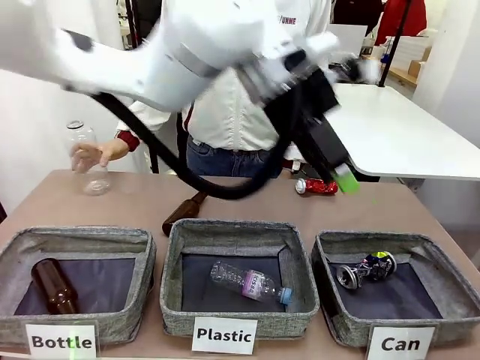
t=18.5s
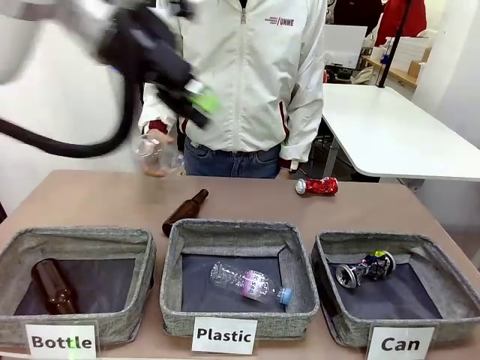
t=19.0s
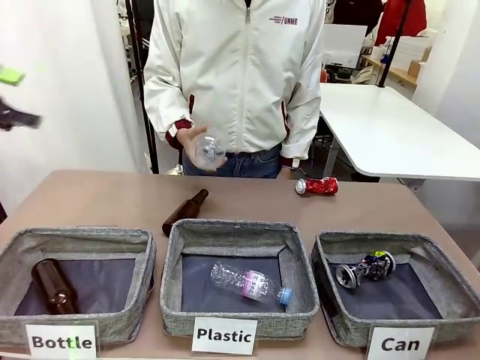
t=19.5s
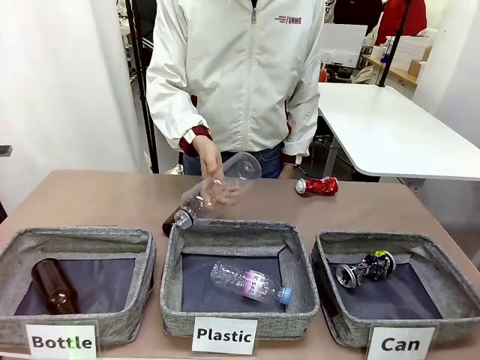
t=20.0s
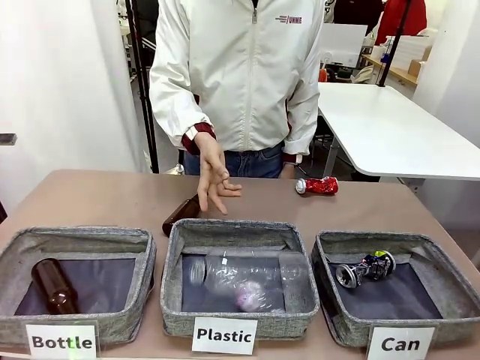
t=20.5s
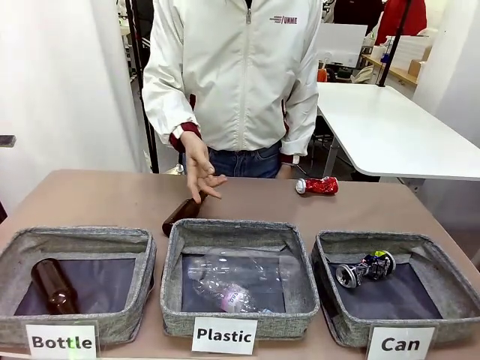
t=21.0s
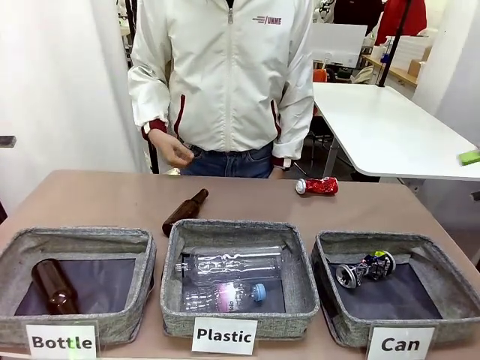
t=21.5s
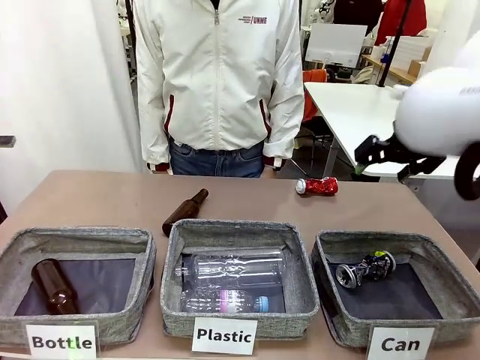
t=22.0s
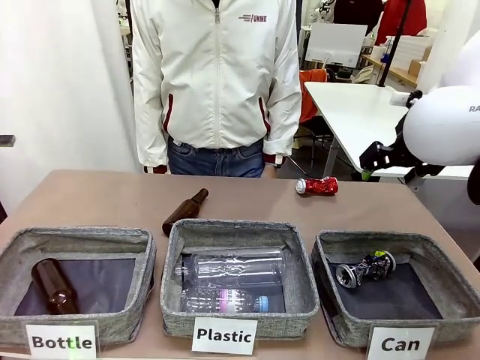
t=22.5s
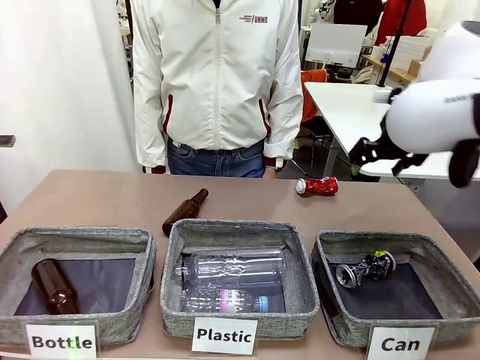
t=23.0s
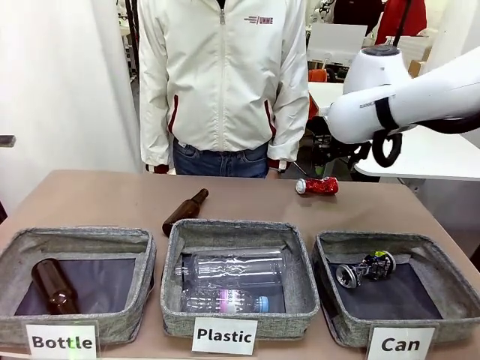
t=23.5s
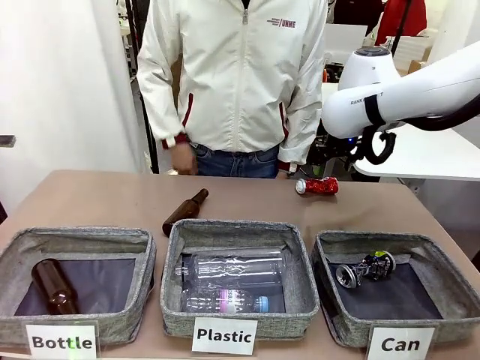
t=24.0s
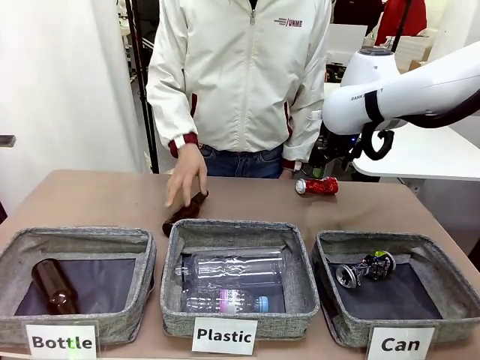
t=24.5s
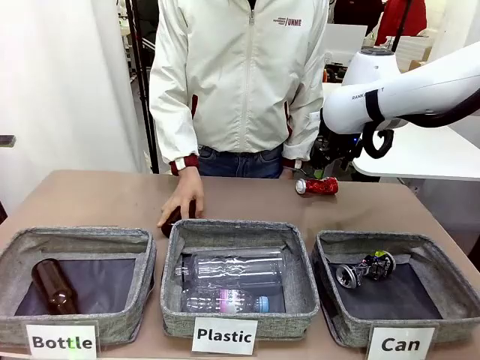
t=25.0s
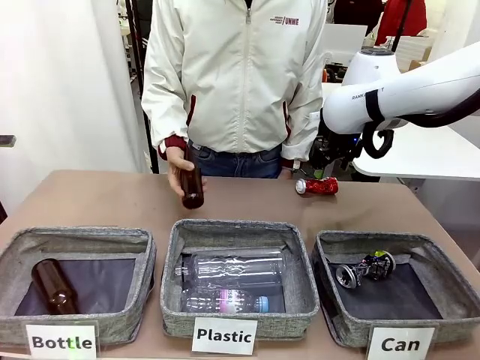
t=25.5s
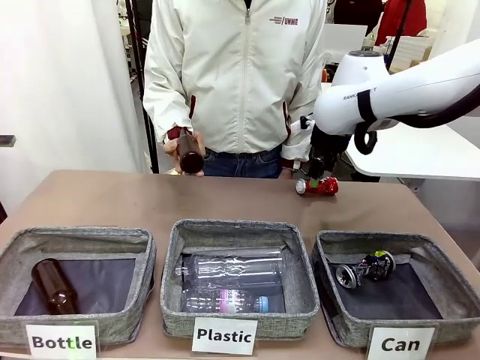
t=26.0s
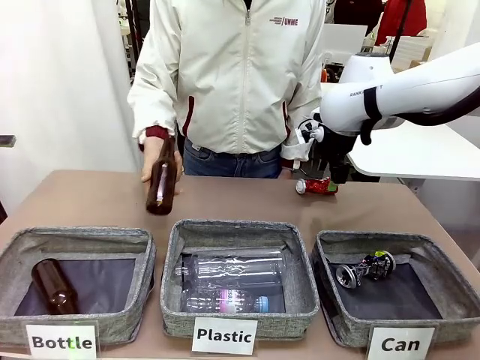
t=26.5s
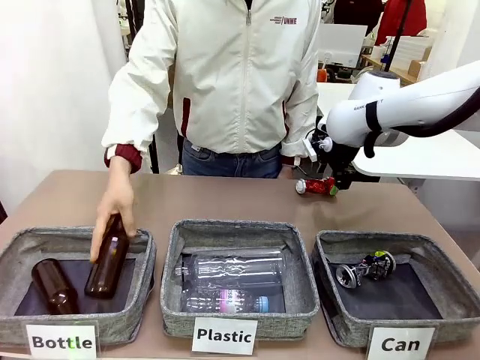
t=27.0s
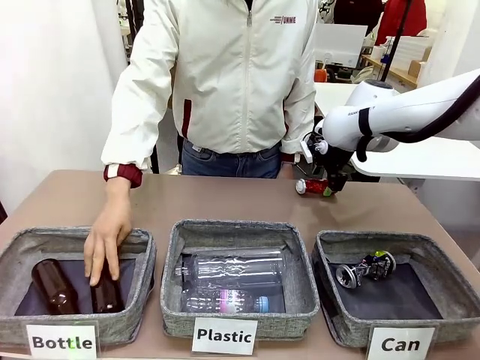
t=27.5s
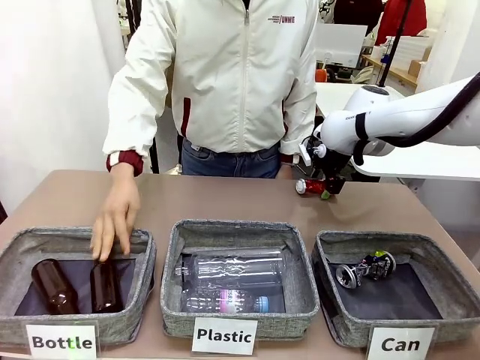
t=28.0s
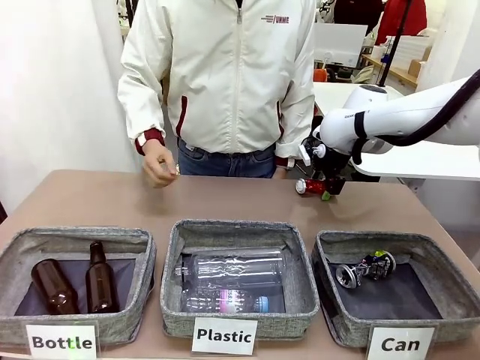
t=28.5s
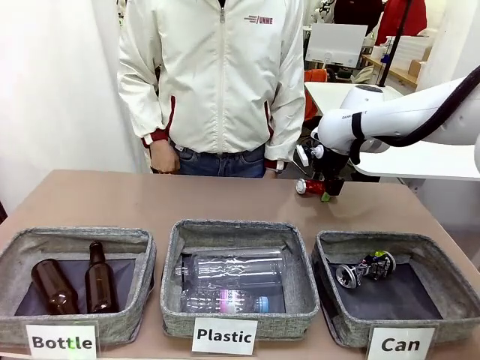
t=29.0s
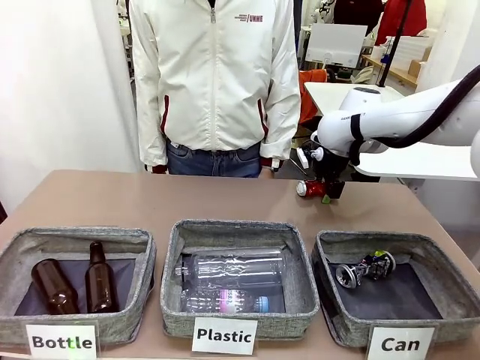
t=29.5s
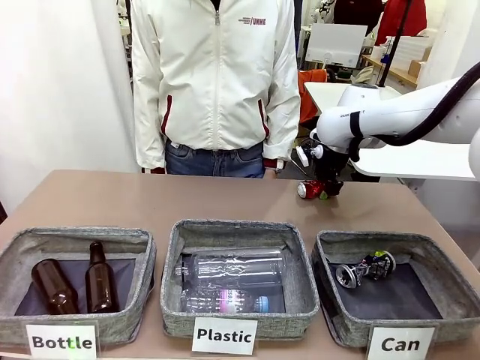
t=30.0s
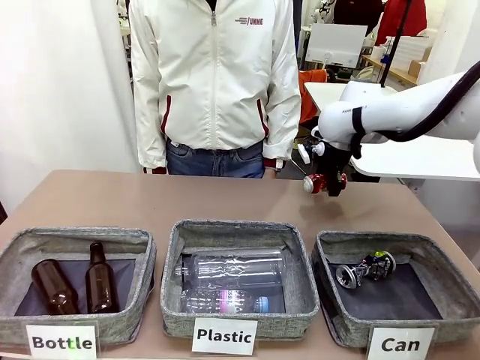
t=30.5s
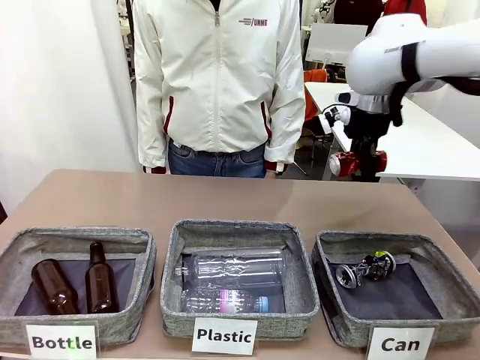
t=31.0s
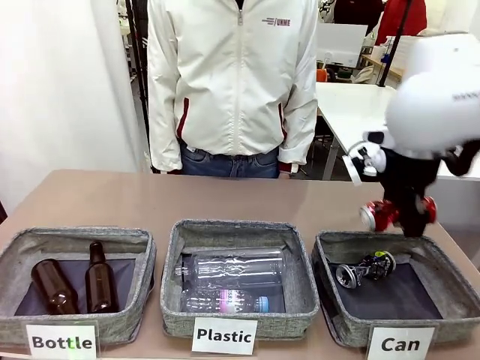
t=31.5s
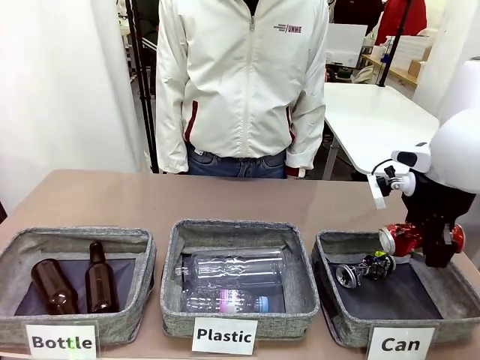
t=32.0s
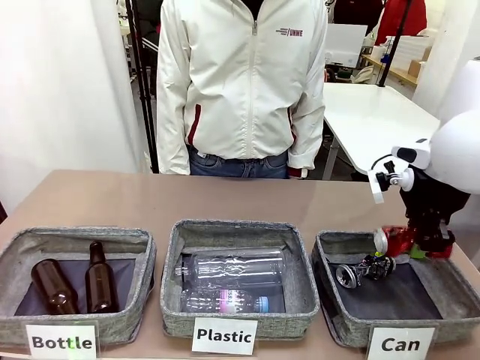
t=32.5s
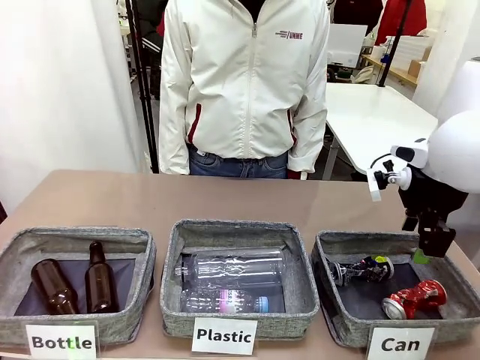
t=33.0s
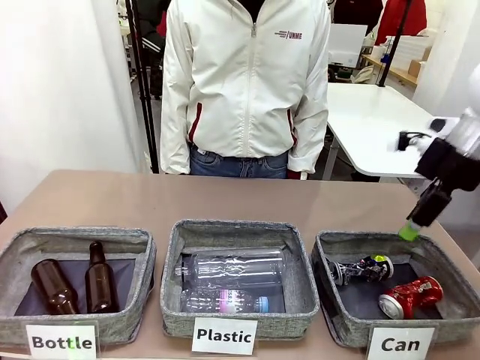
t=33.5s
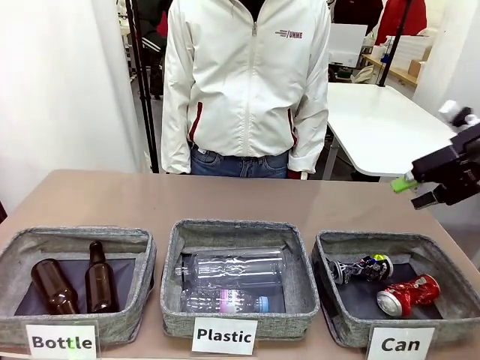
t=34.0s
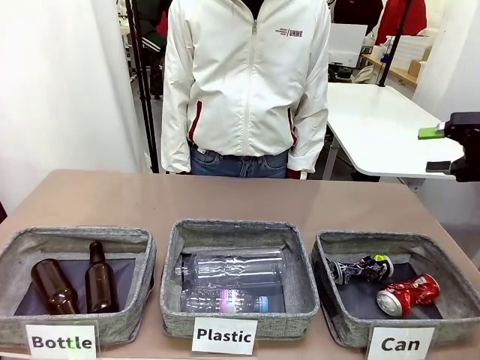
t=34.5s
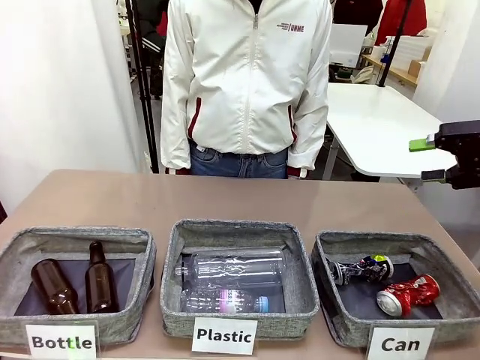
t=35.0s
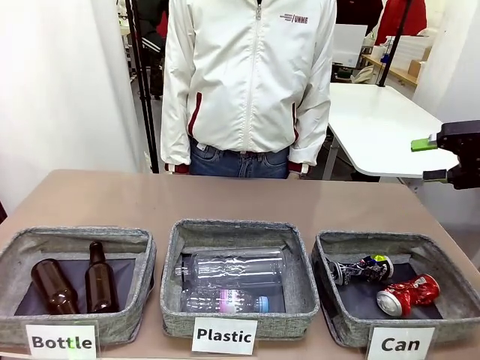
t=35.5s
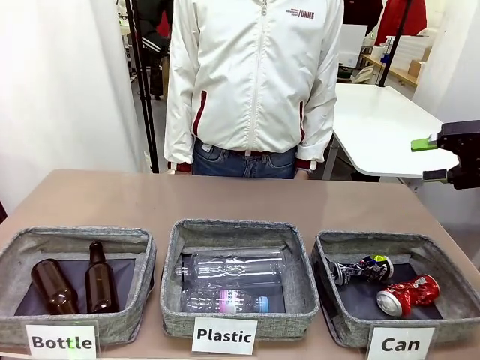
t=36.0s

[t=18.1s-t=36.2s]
Task: Sort the can waste into the basket.
Robot: Pick up the can waste from the table and place it in the right Fabric basket.

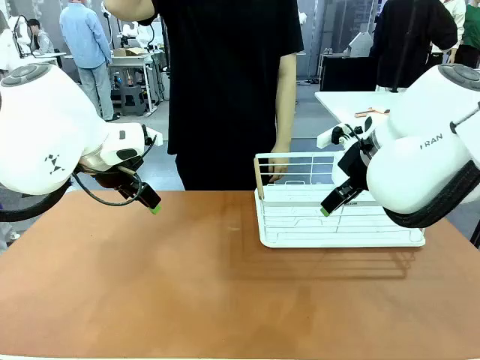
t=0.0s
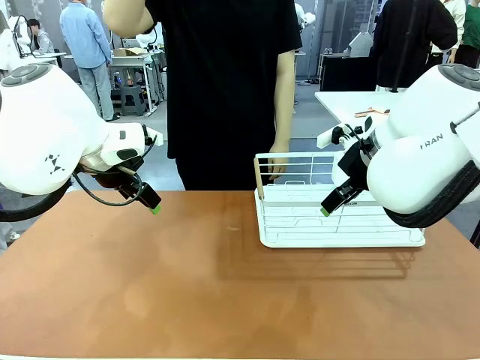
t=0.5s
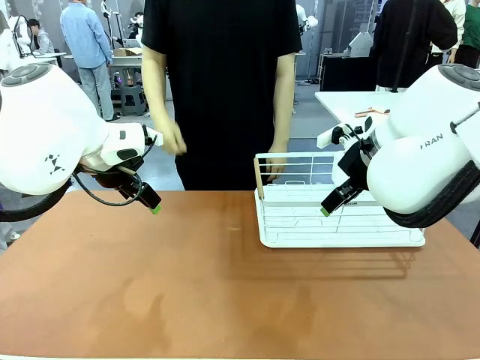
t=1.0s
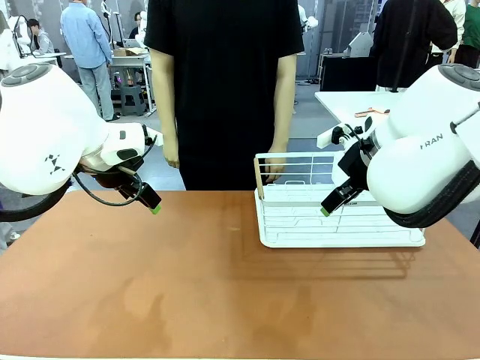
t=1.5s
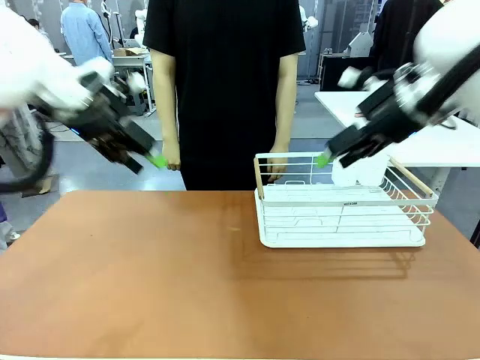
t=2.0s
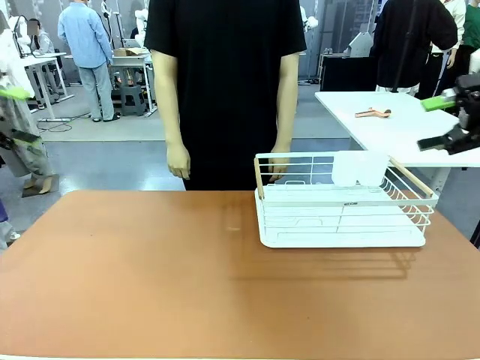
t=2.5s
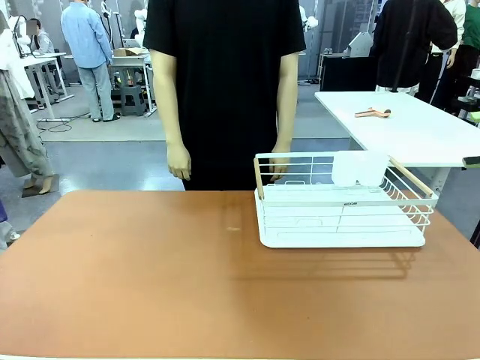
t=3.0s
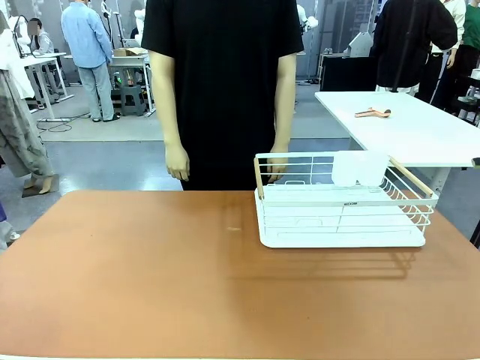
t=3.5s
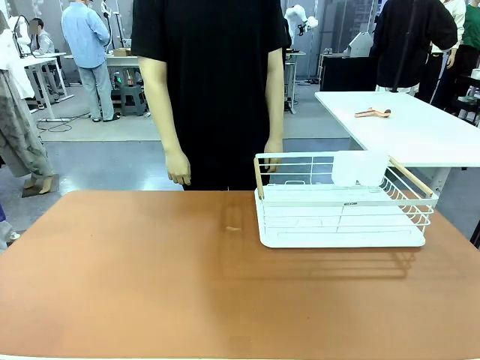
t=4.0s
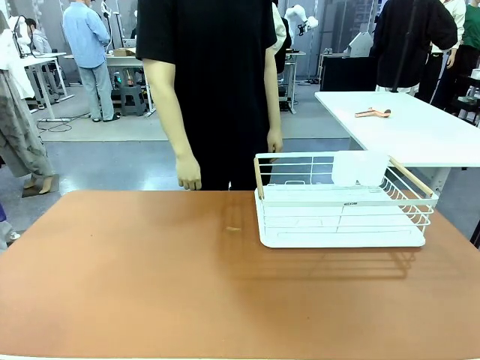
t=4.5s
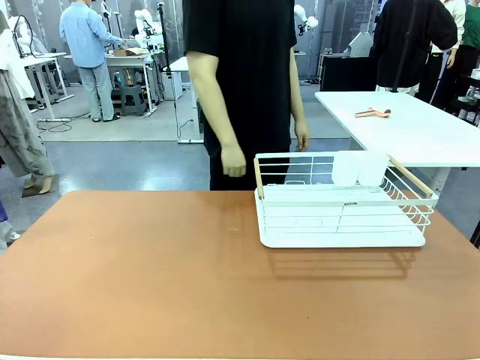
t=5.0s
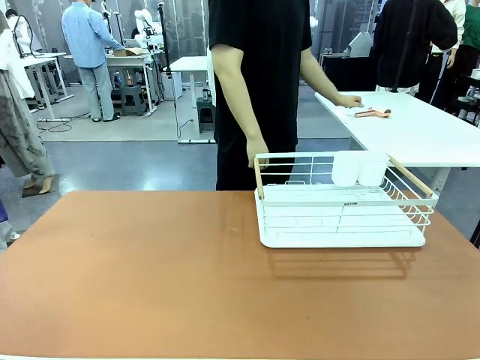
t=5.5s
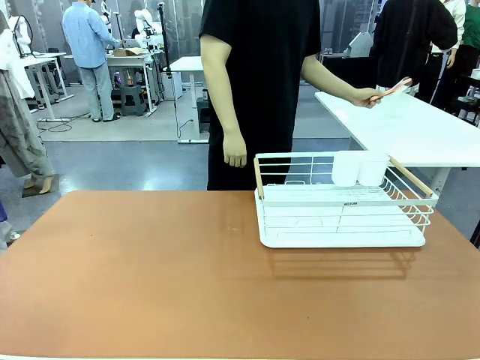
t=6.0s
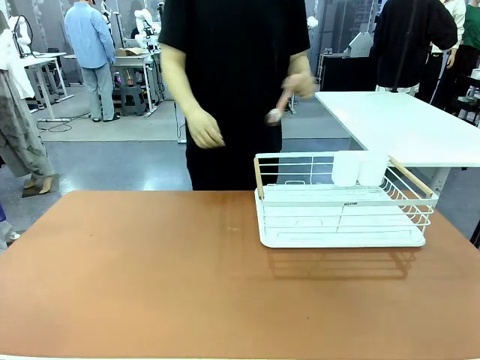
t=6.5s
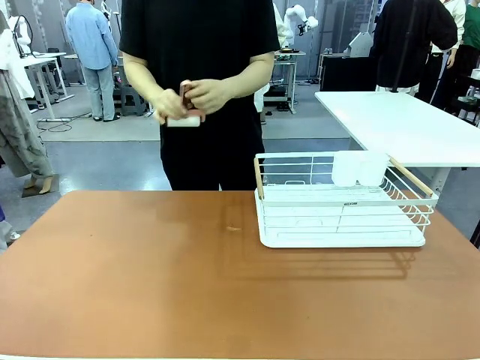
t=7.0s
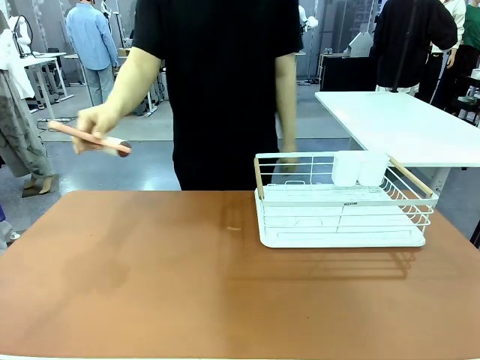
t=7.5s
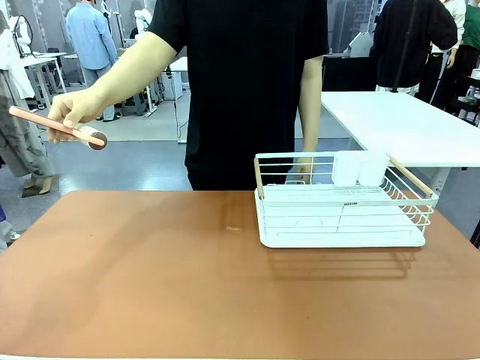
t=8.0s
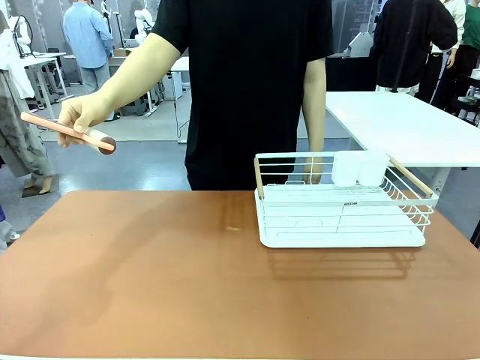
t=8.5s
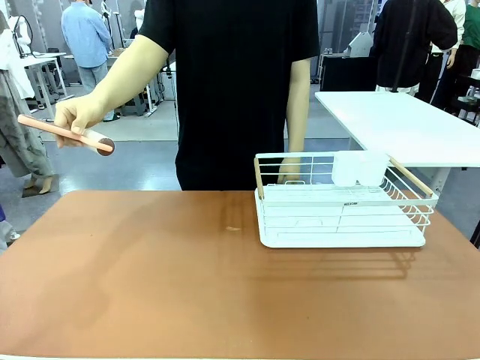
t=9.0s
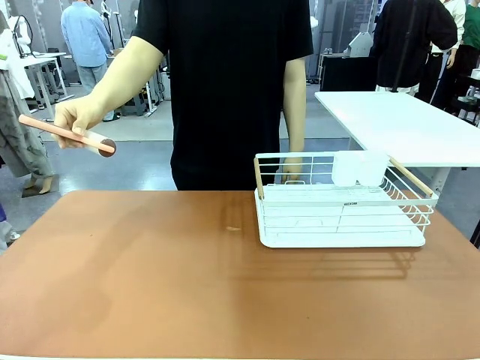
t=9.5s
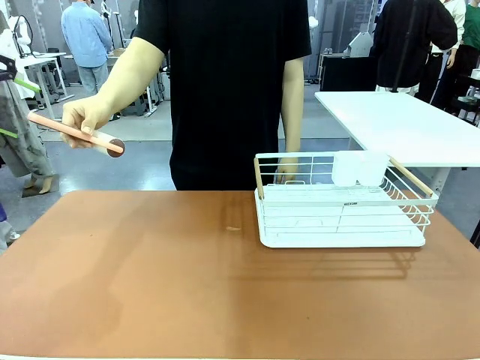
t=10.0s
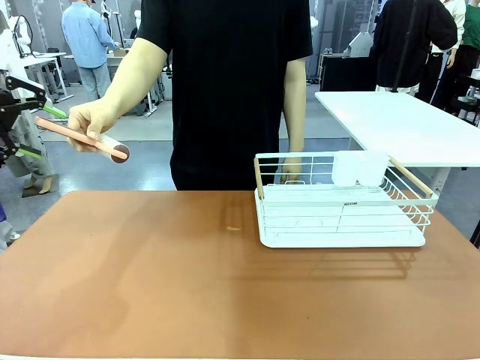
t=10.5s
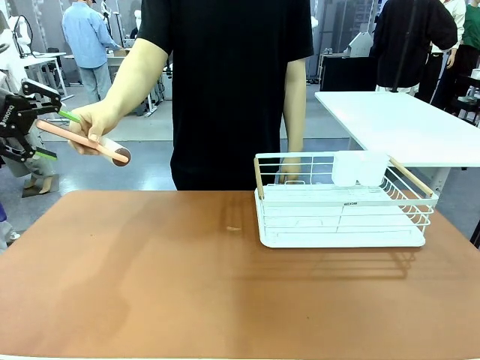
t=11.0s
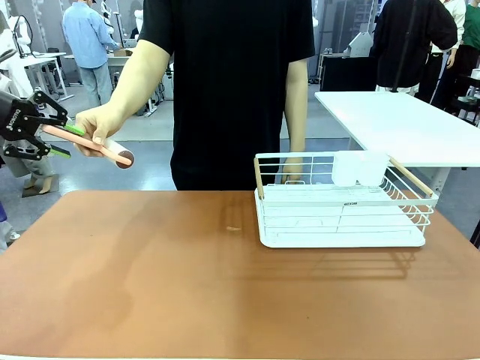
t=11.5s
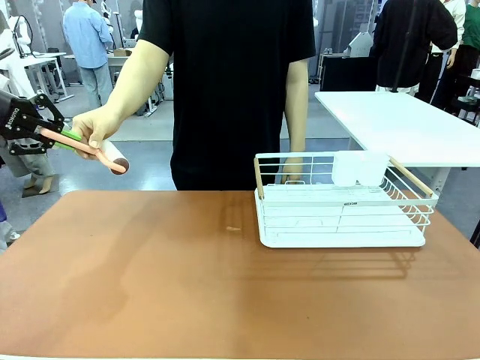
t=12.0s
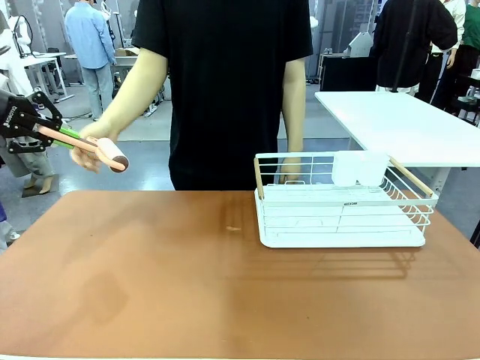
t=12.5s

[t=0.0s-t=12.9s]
Task: Clean the table.
Robot: Pick up the Lint Roller when the human hands it over.
Person: Hand the Lint Roller to the robot so it can easily pick it up. Lift the Dish drying rack.
